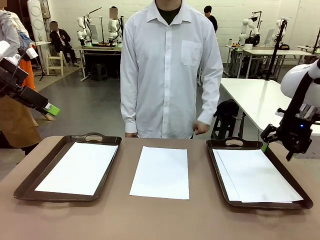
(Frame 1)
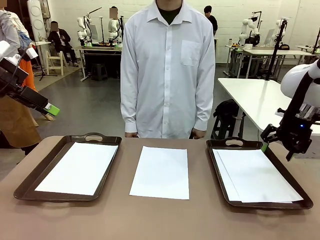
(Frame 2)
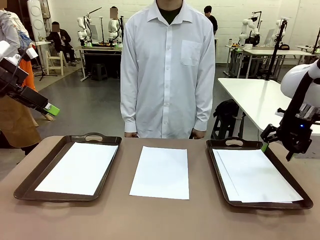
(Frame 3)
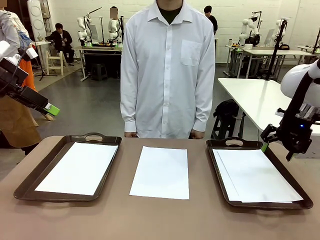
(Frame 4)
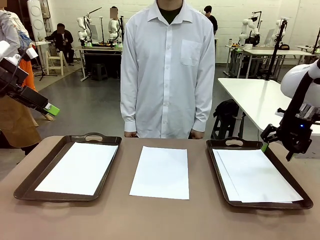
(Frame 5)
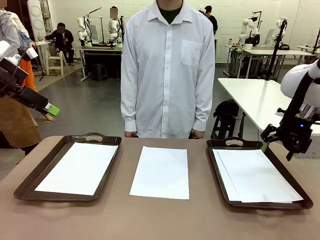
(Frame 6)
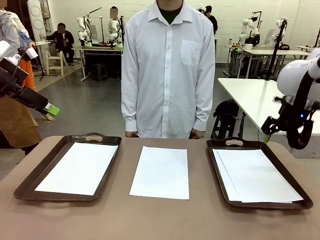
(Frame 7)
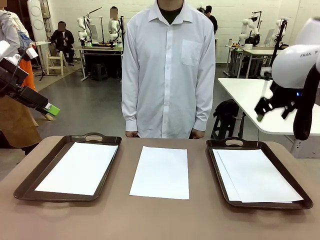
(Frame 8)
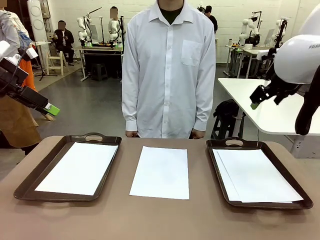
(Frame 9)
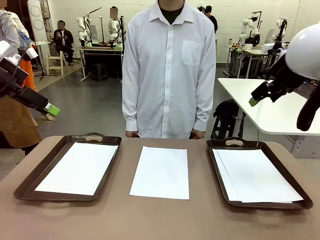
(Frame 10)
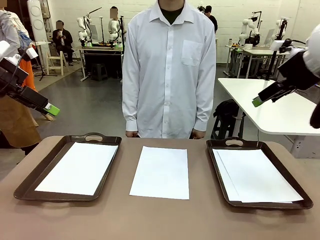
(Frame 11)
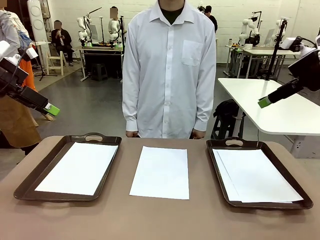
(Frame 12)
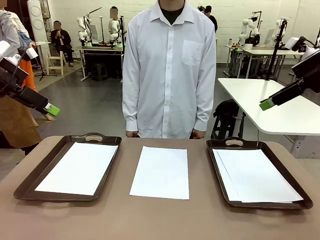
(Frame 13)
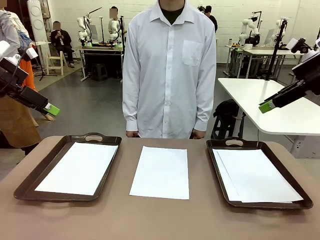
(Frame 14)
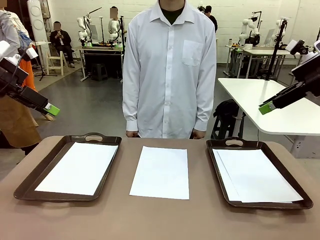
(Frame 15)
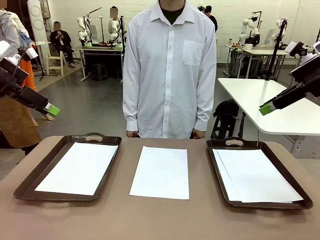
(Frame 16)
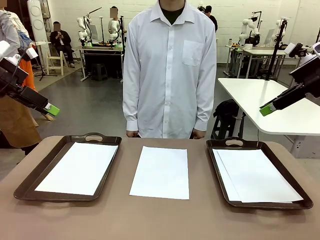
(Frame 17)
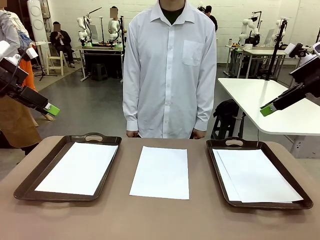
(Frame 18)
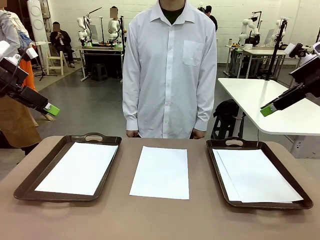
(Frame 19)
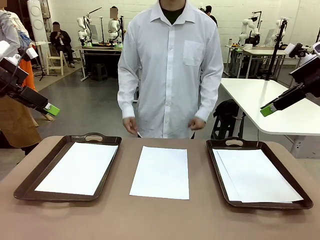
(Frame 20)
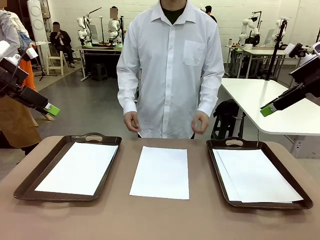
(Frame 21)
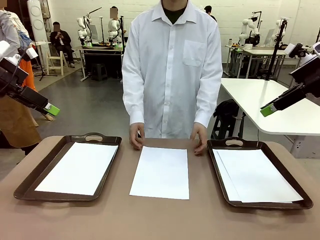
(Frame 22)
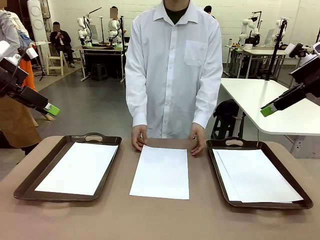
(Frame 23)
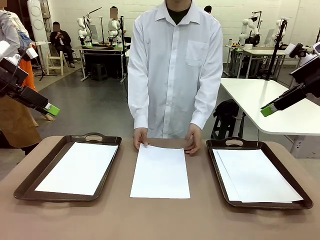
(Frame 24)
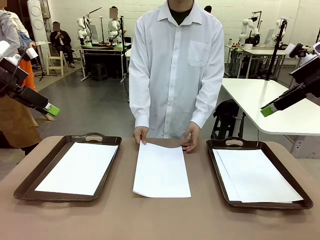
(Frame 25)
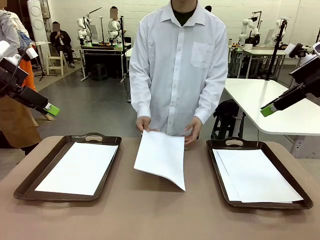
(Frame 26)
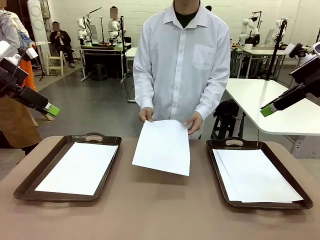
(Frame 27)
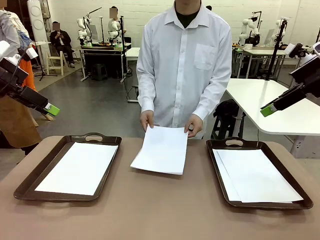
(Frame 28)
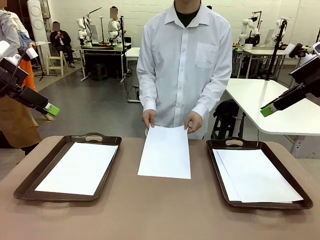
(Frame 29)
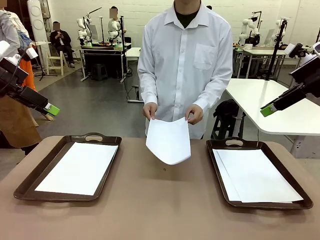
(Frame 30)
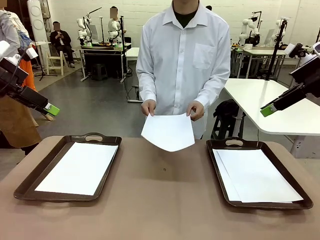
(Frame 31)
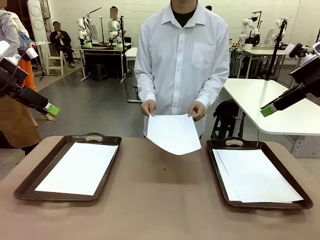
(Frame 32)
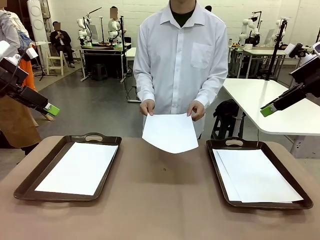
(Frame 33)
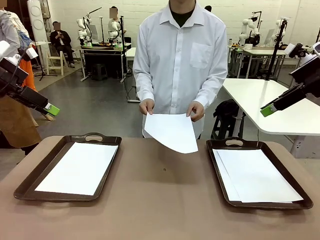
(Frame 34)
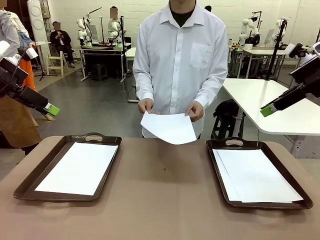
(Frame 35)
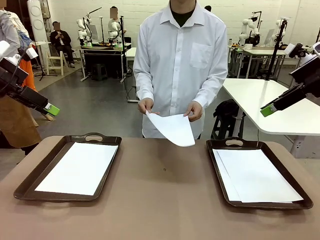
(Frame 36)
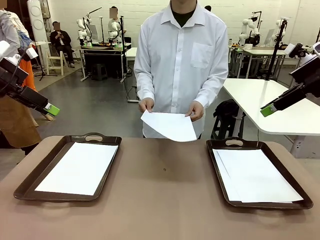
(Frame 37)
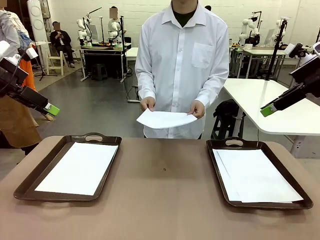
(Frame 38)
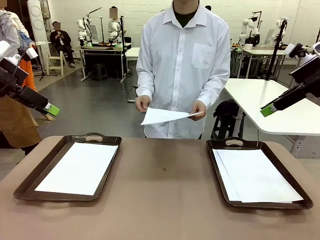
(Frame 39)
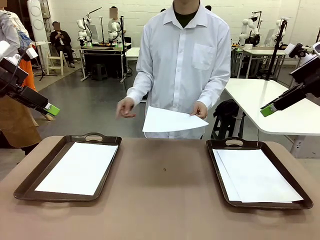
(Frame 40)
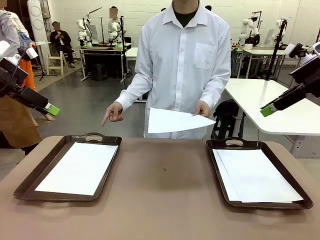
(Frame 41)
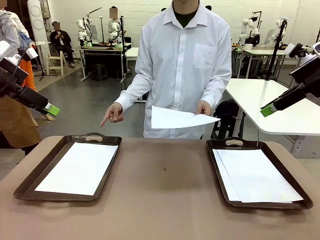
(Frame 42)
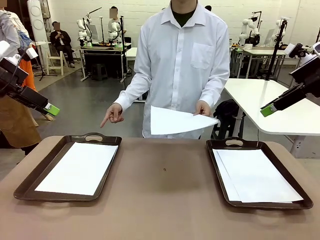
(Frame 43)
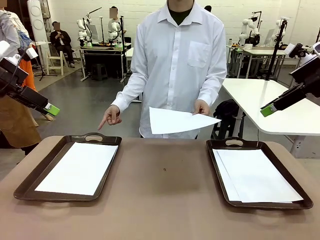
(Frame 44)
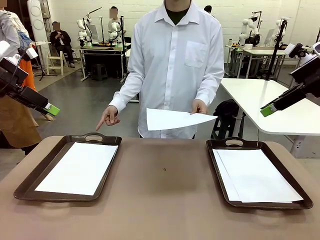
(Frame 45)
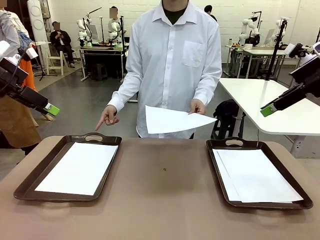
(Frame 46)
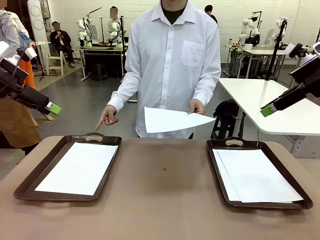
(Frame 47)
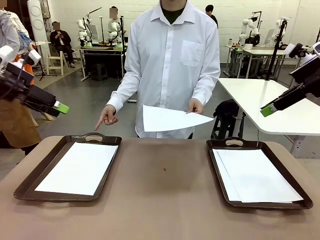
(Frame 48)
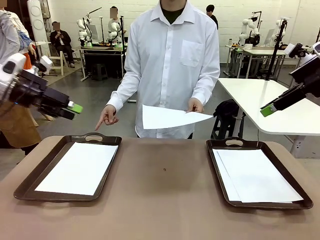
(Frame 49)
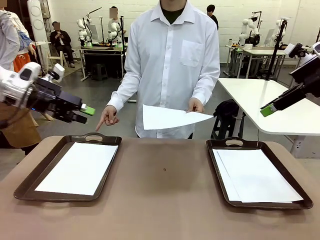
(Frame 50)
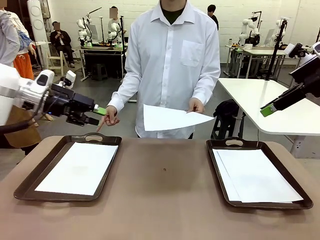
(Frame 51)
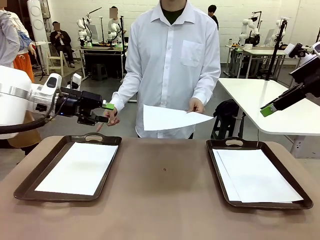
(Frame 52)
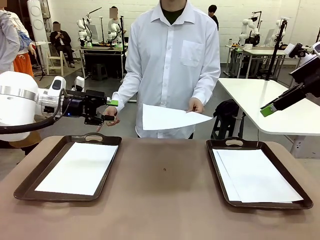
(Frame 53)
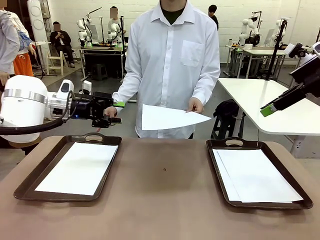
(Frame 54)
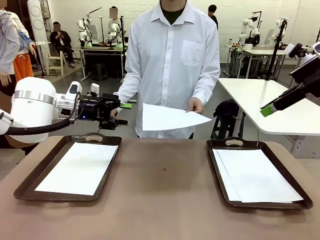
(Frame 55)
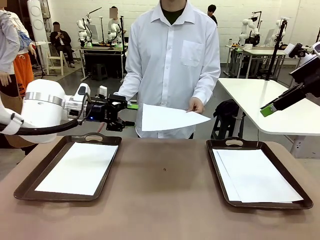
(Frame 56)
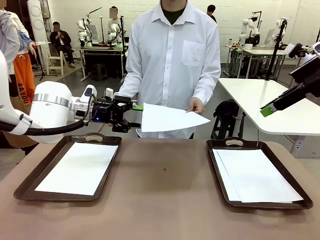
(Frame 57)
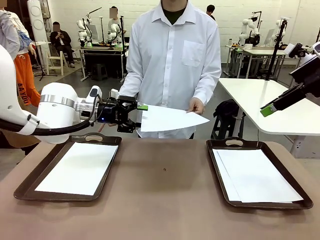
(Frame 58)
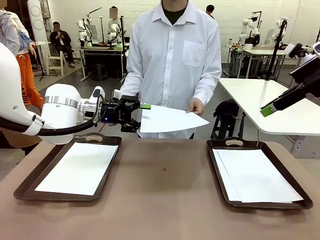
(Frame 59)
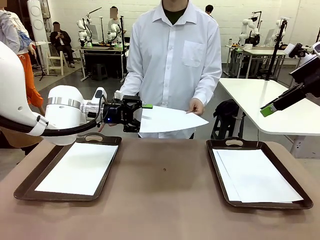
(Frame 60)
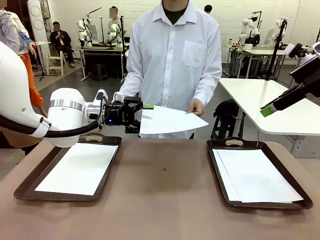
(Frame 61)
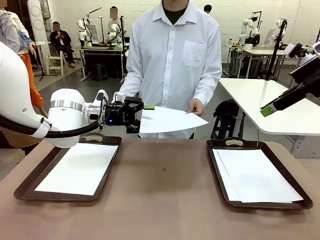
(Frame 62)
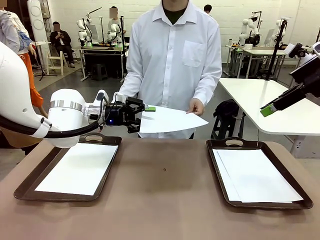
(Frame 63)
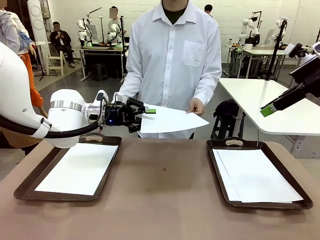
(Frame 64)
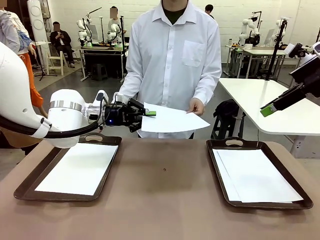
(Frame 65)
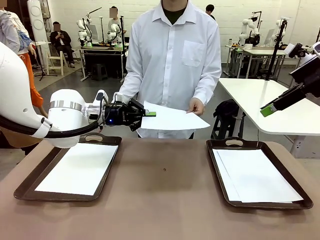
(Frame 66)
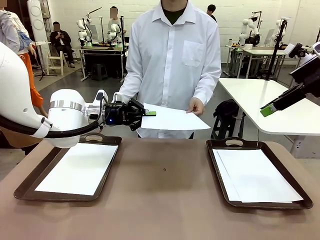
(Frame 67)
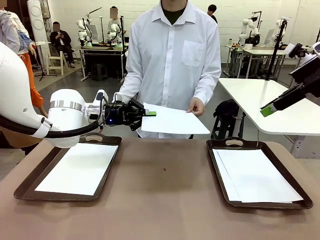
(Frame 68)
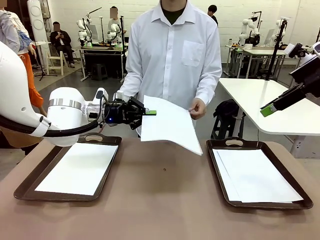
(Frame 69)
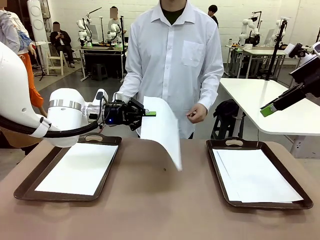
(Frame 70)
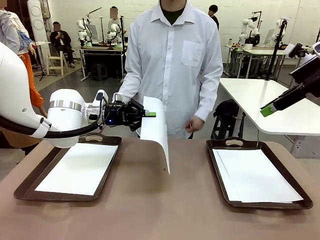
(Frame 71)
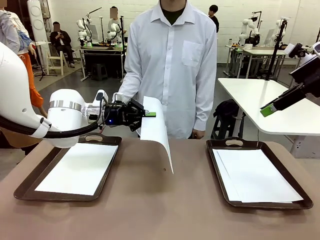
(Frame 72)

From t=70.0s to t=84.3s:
Task: Sort the A4 documents.
Robot: Receive the A4 Paper.
Person: Point the randomly selected tray with the other hand.

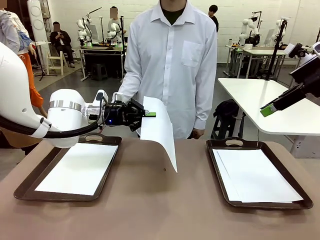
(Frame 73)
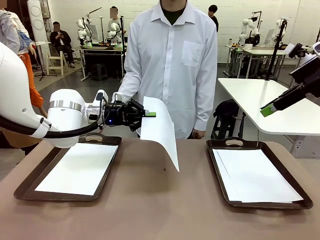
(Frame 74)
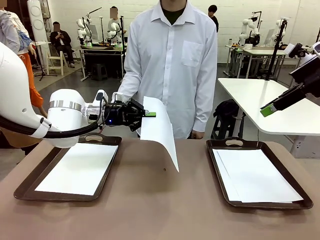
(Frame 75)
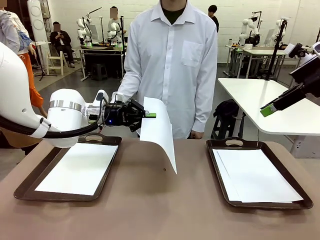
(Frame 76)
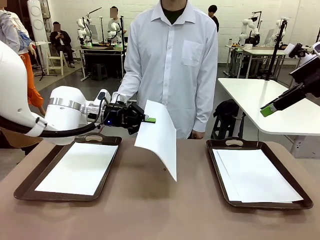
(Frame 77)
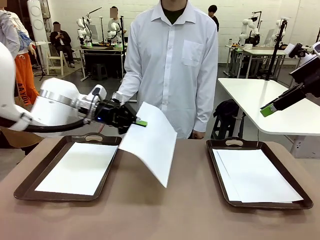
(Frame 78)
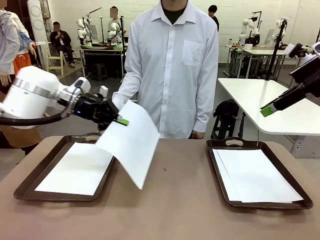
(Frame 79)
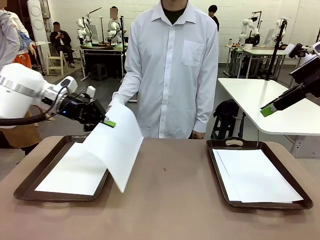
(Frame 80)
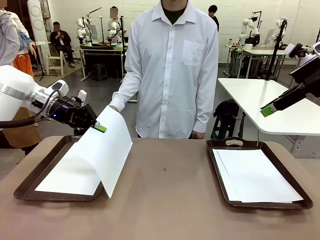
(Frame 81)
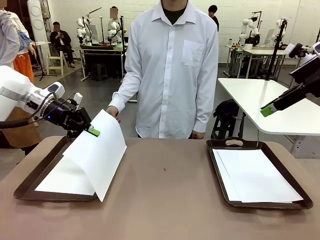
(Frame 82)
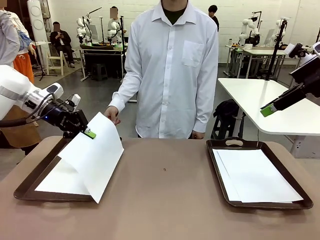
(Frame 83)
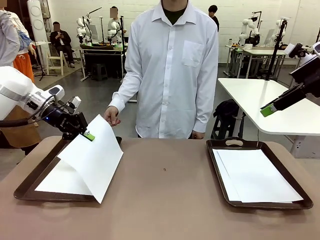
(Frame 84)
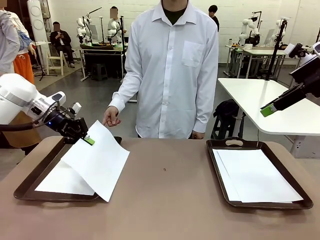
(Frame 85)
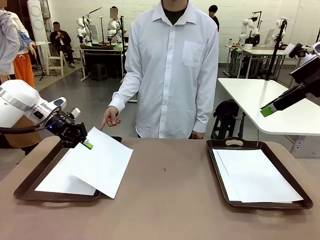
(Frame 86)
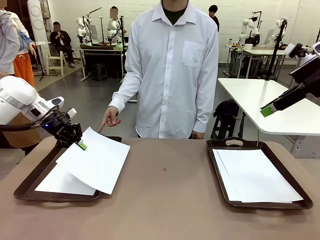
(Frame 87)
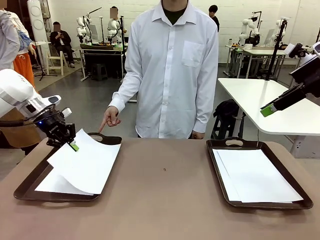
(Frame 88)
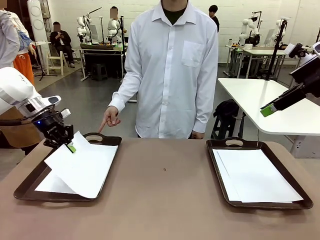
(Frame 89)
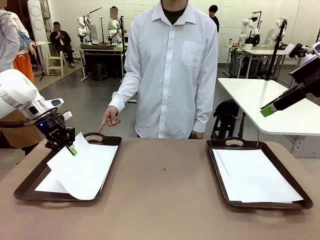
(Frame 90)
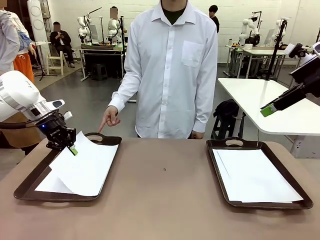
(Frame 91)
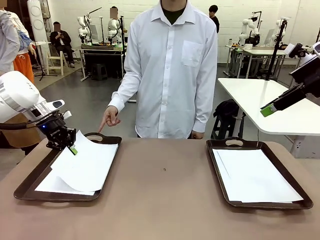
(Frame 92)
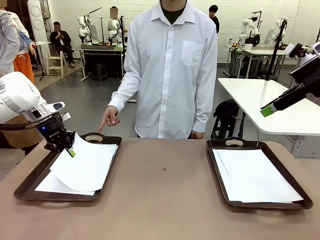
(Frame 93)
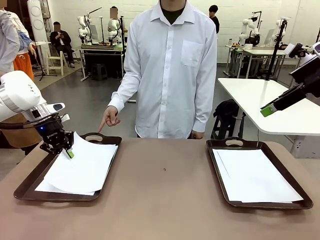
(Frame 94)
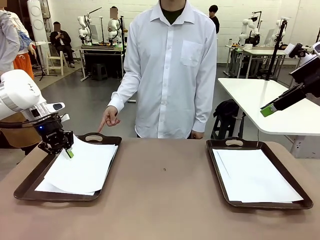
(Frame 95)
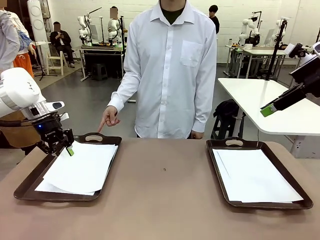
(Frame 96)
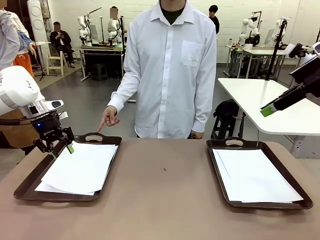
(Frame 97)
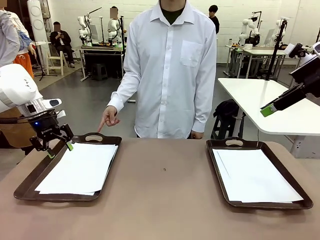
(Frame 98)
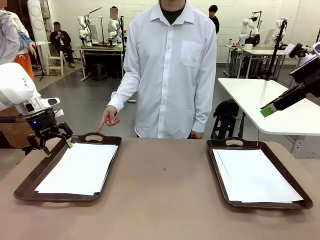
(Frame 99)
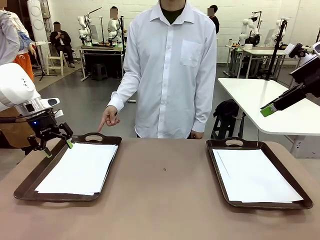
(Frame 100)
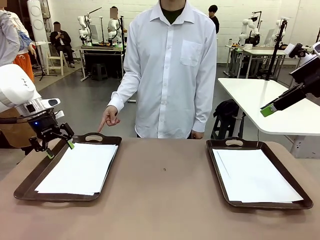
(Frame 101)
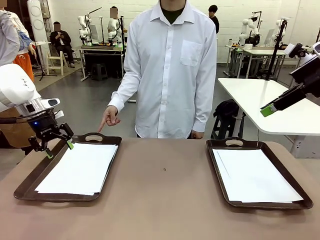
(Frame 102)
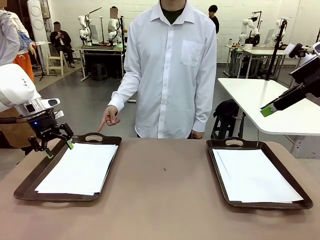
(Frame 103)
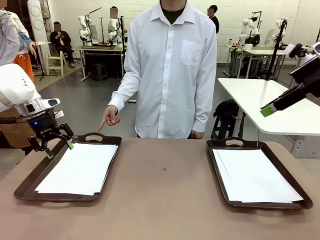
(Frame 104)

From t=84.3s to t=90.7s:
Robot: Place the A4 Paper in the designated Handle tray.
